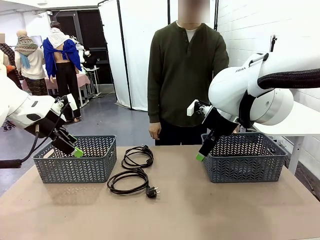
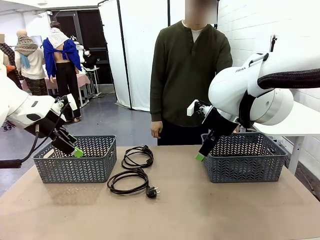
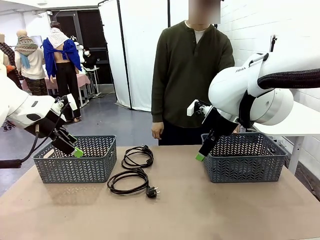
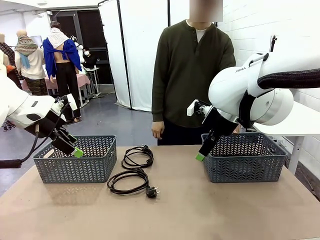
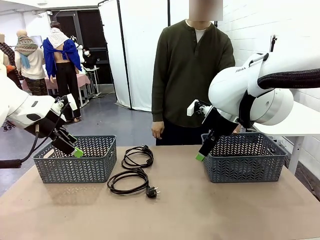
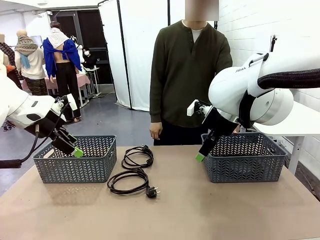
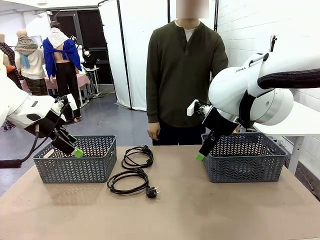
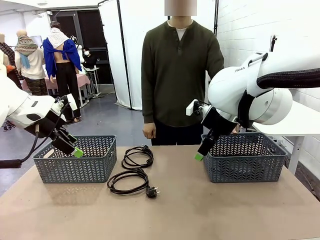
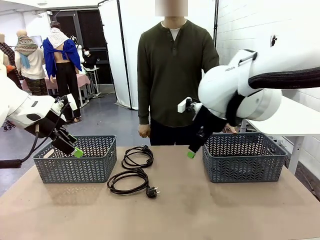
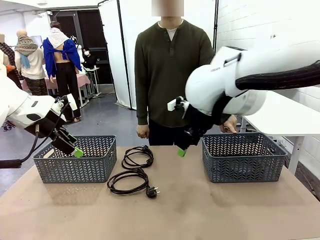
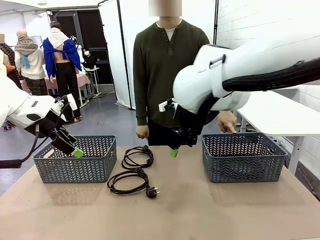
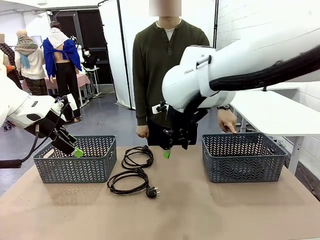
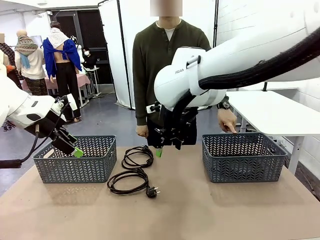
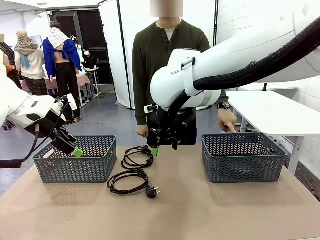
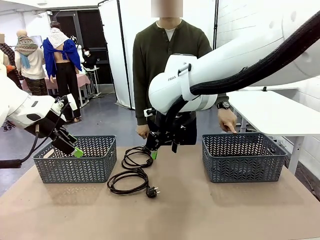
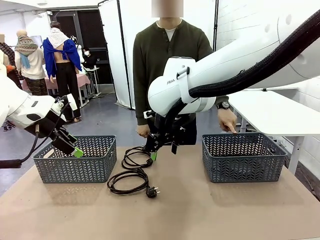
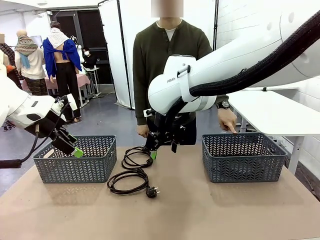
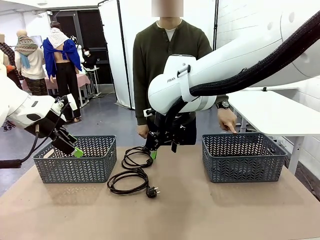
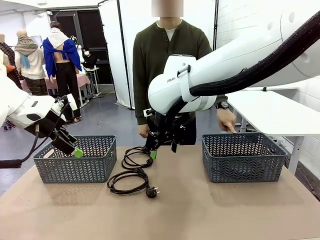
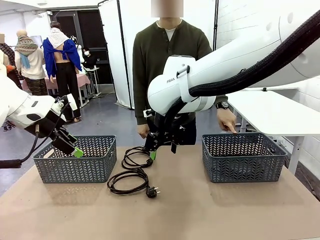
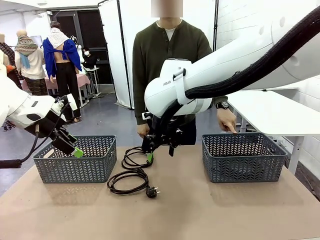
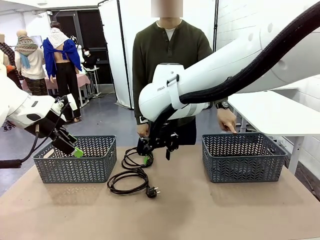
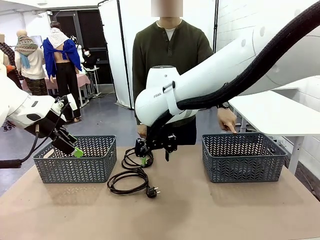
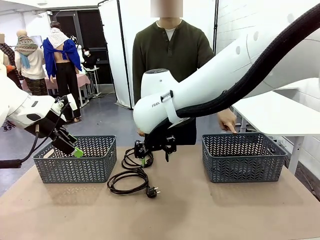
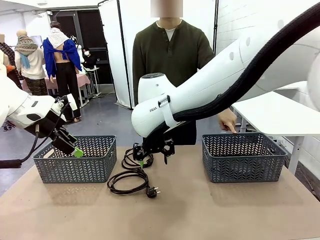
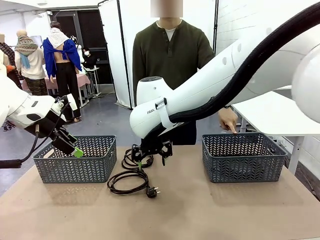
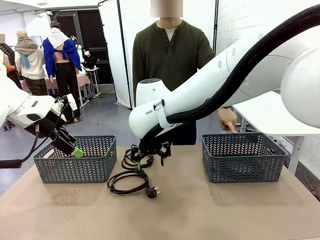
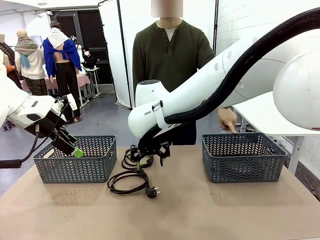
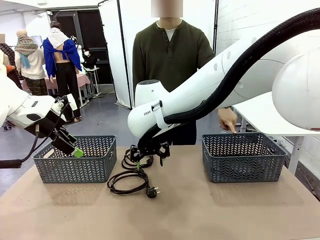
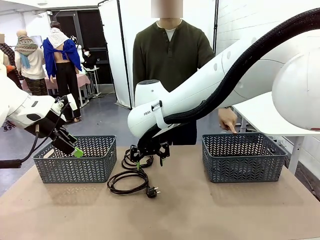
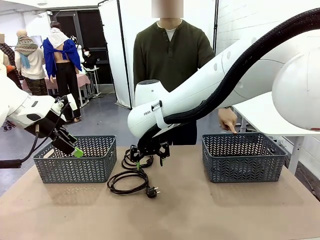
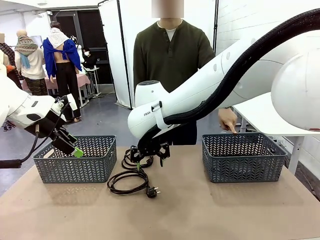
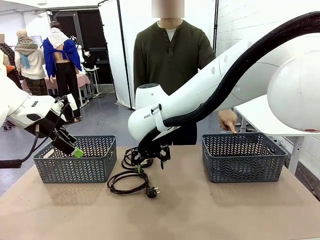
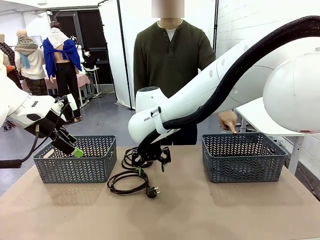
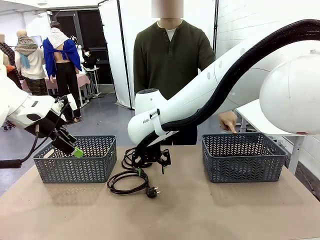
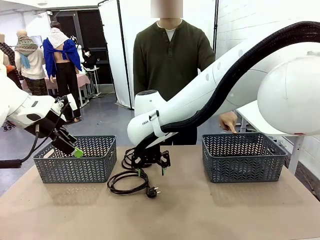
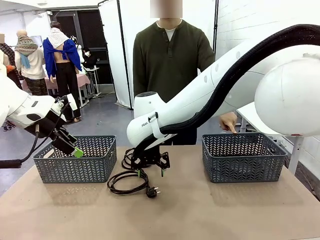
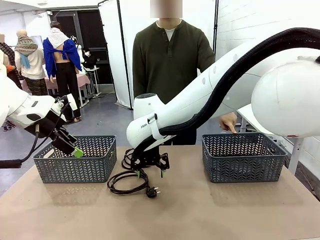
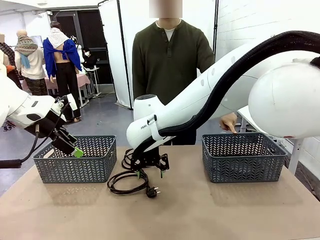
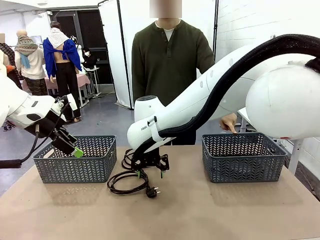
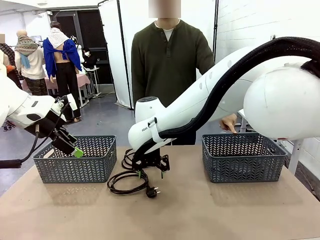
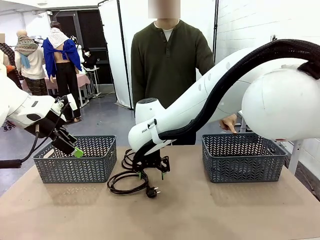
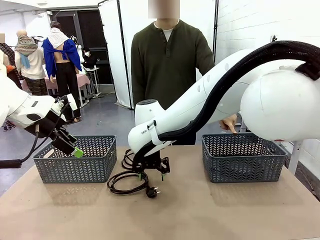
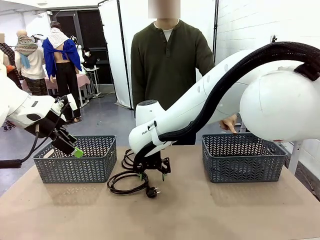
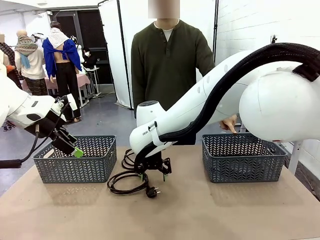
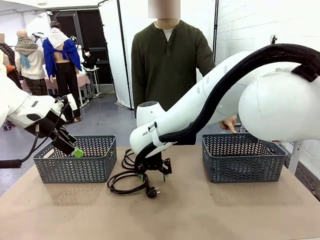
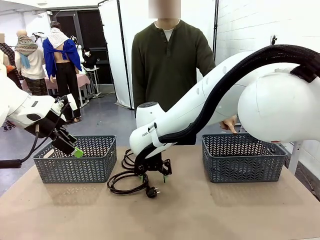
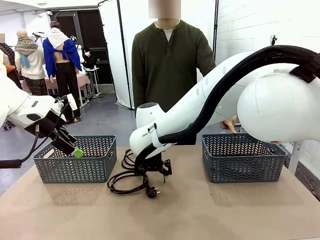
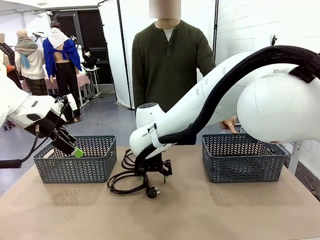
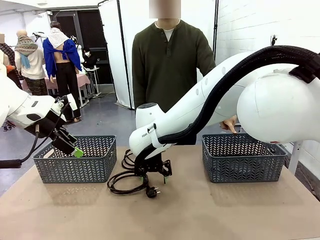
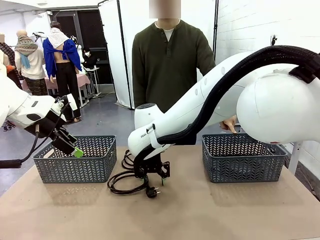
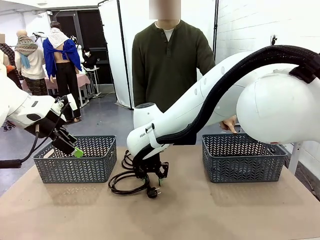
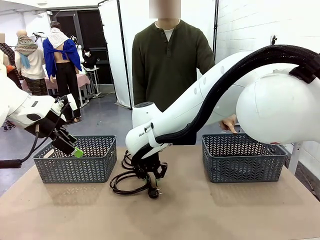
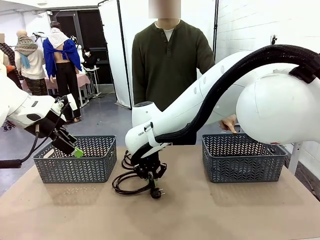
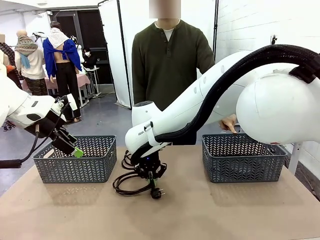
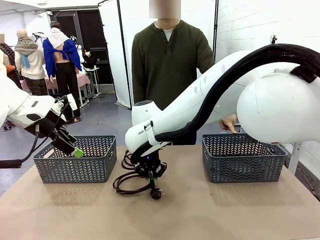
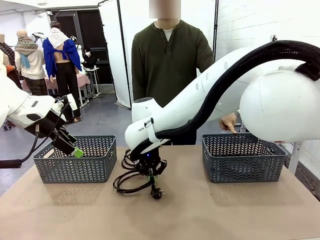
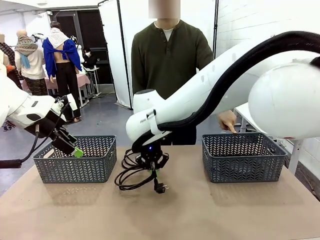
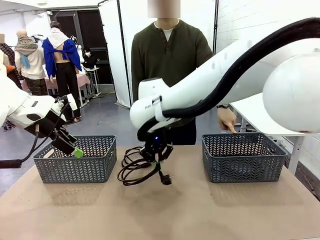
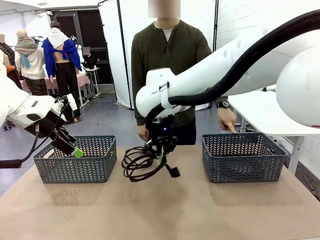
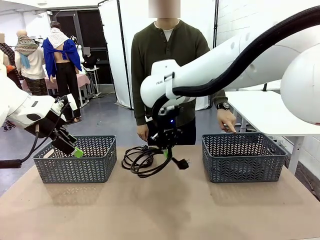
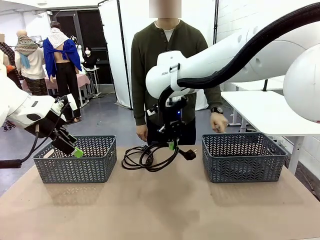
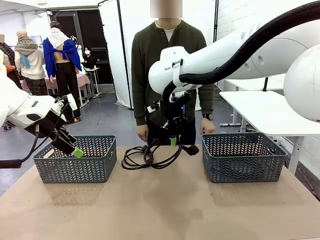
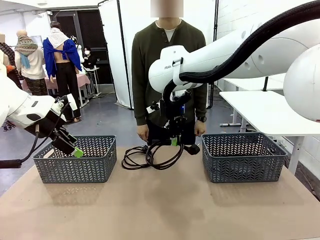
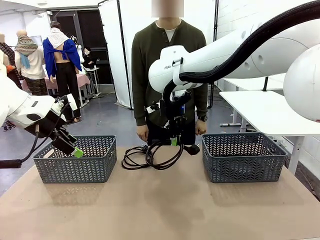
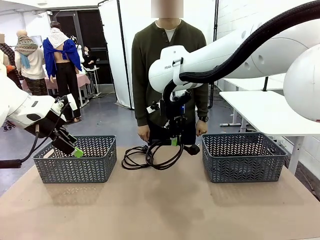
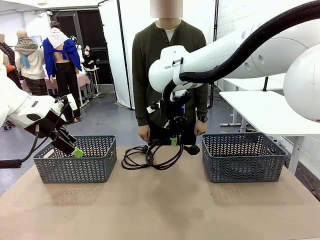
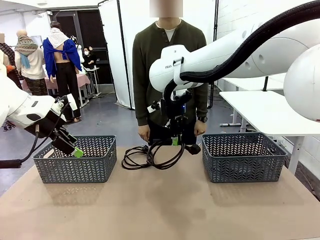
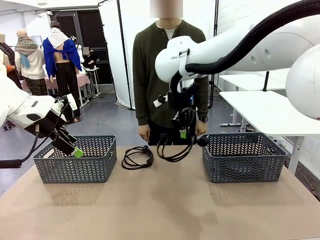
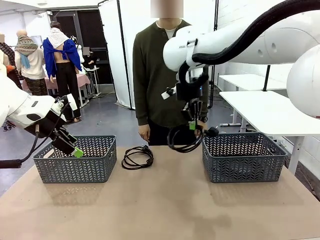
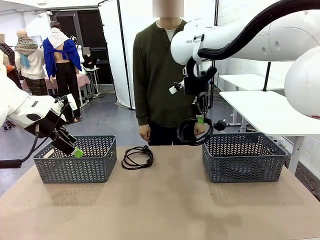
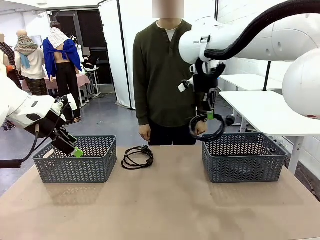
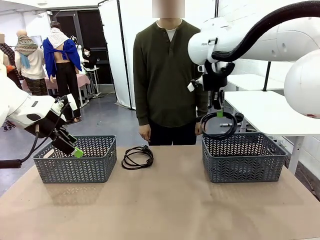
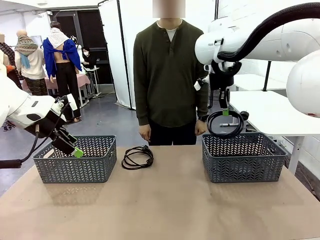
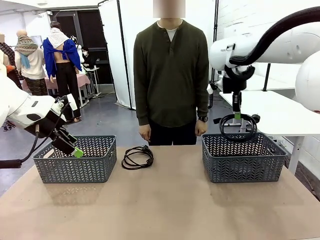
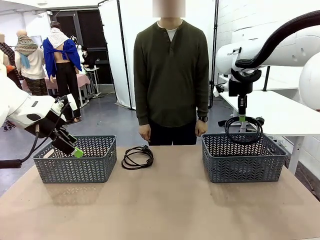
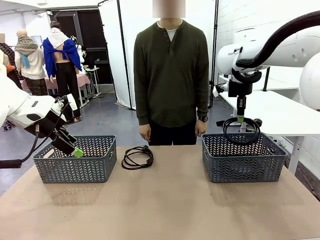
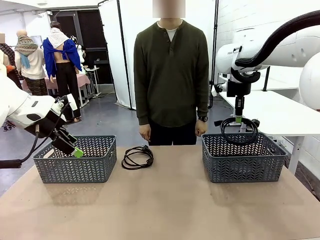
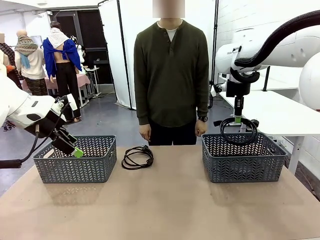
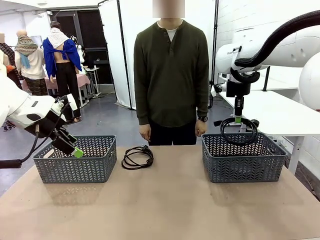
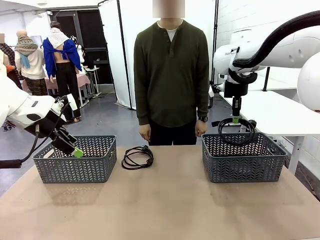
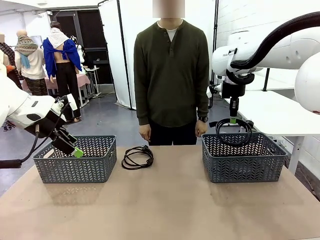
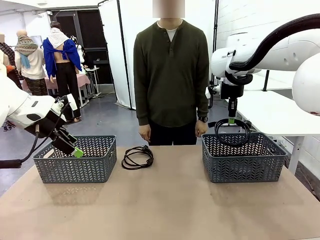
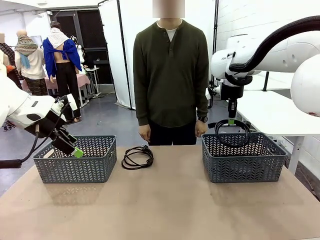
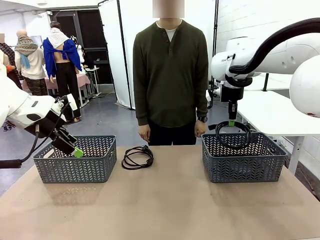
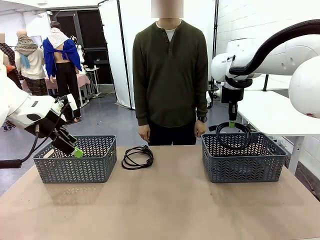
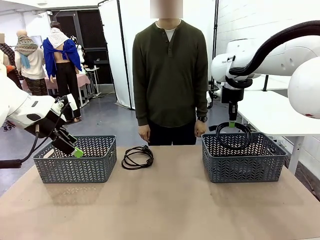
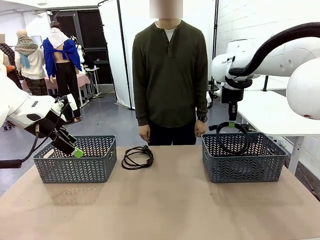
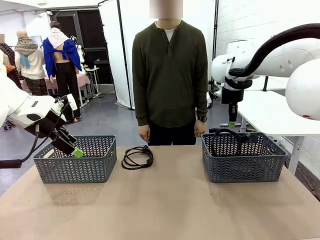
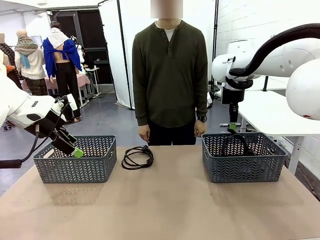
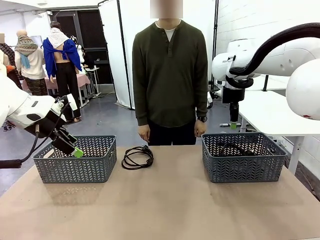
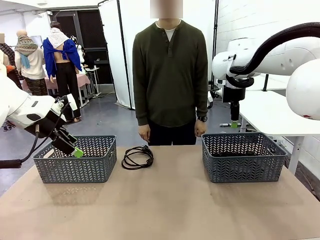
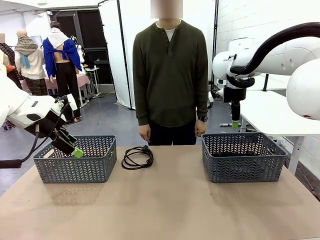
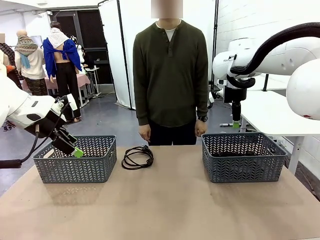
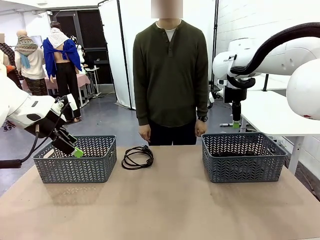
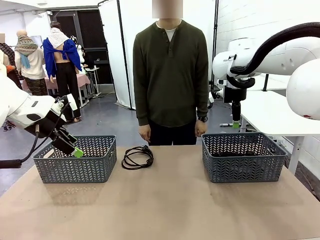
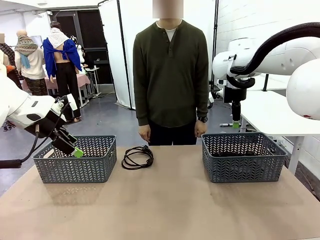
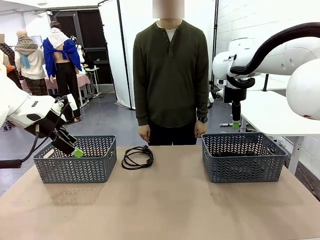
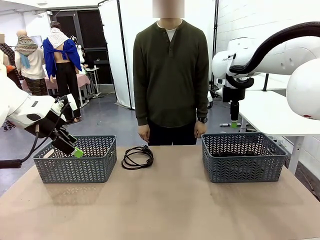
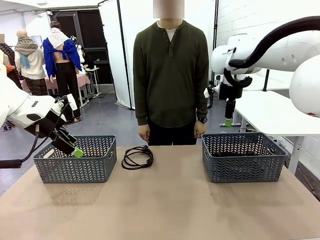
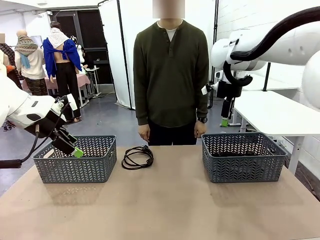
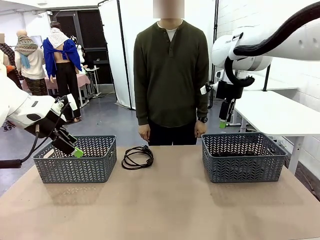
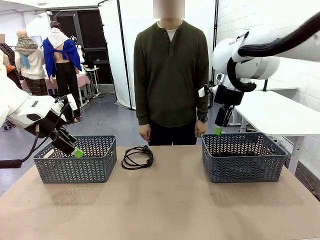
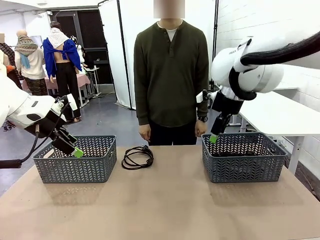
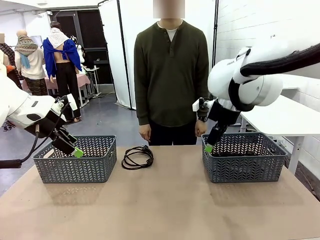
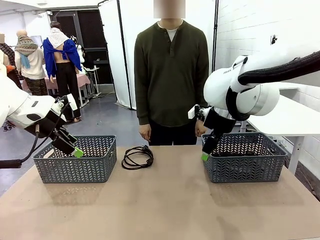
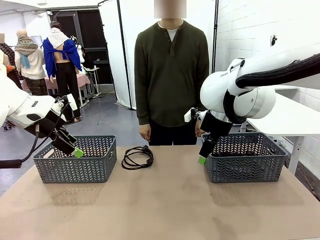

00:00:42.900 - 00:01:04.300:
Task: Organize the cables according to human instructions.
Robot: Pick up a bundle of cables and place it in the basket indicated by the human.
